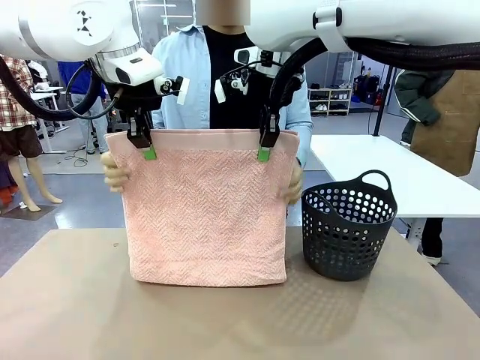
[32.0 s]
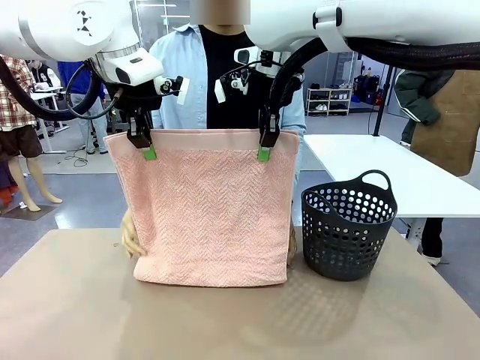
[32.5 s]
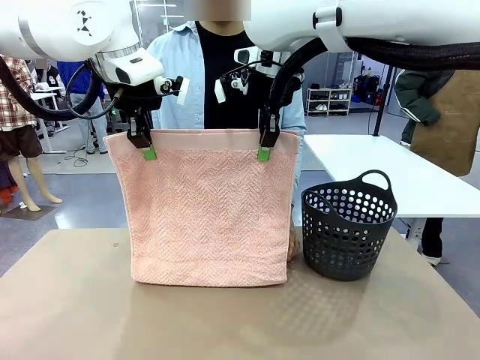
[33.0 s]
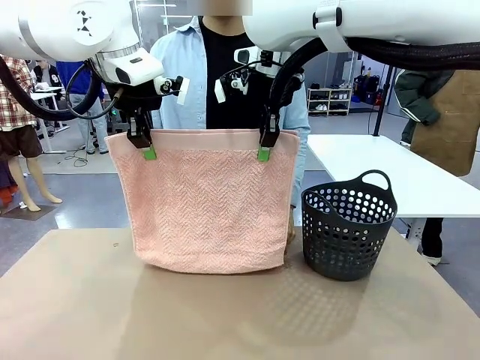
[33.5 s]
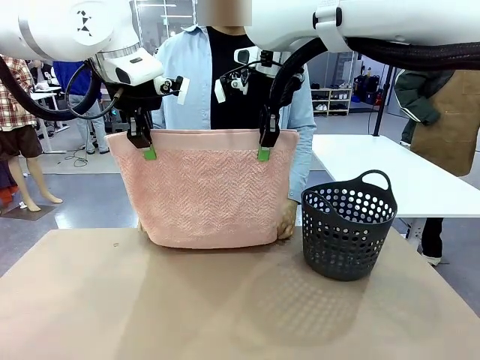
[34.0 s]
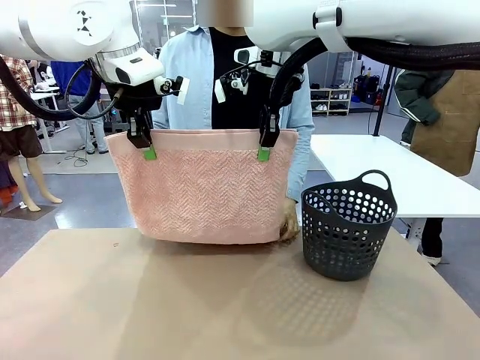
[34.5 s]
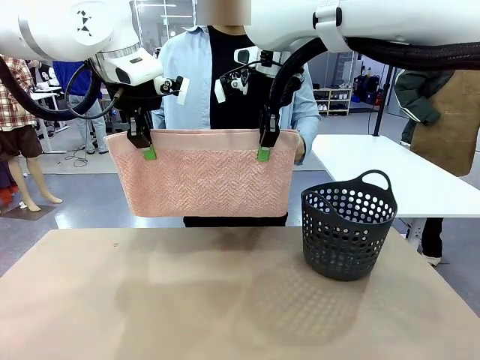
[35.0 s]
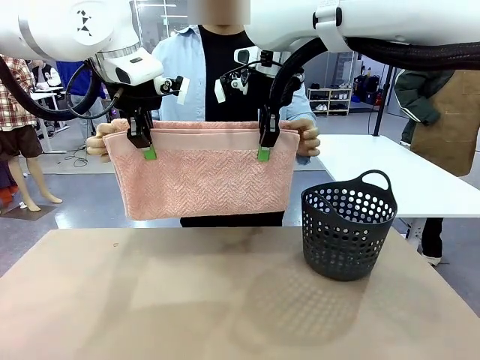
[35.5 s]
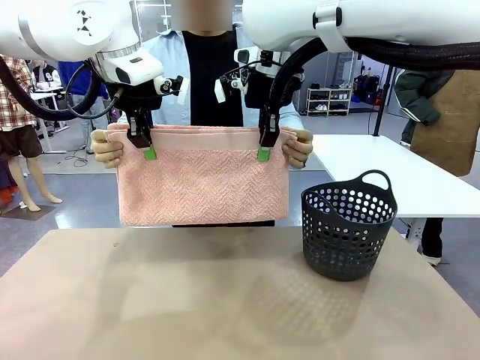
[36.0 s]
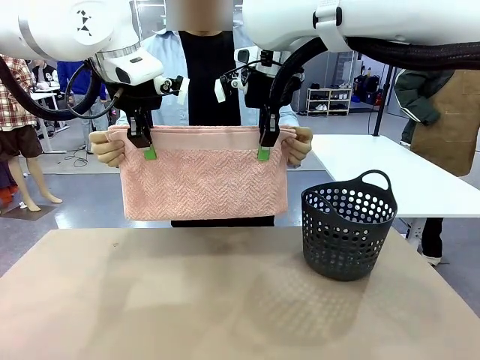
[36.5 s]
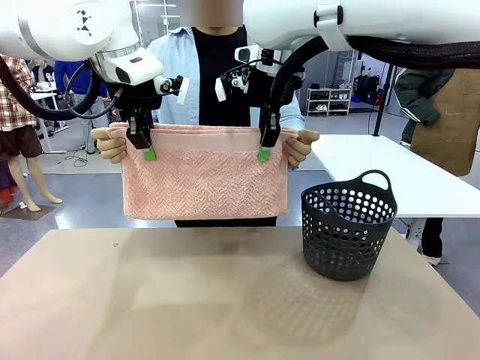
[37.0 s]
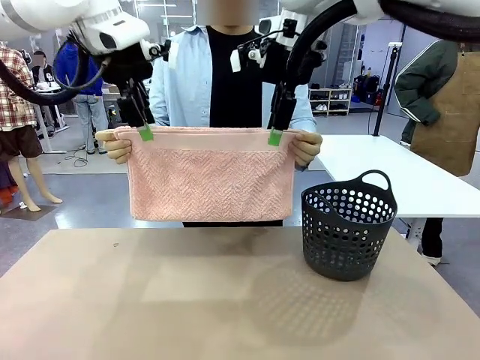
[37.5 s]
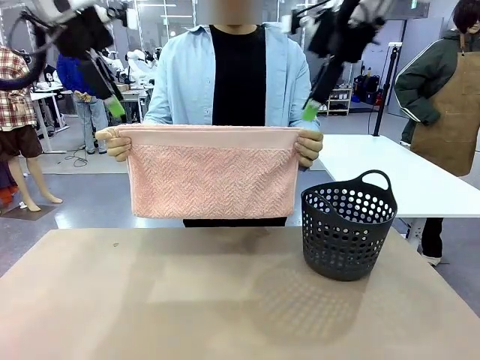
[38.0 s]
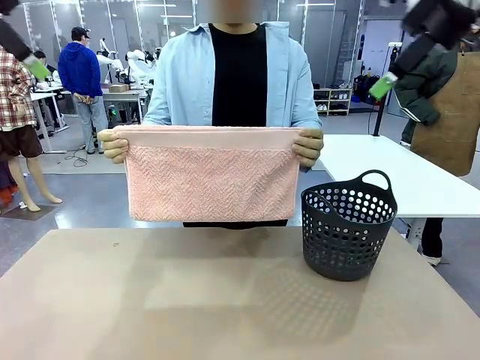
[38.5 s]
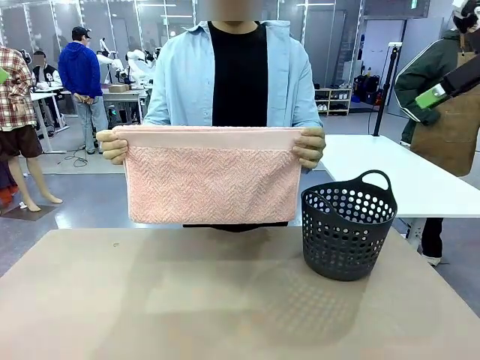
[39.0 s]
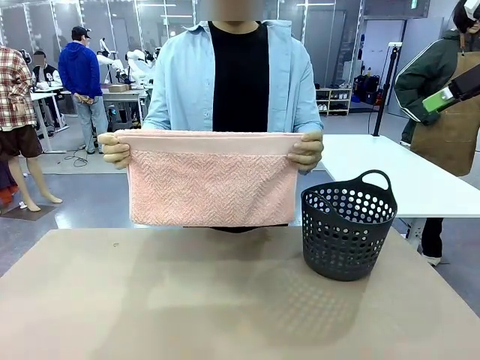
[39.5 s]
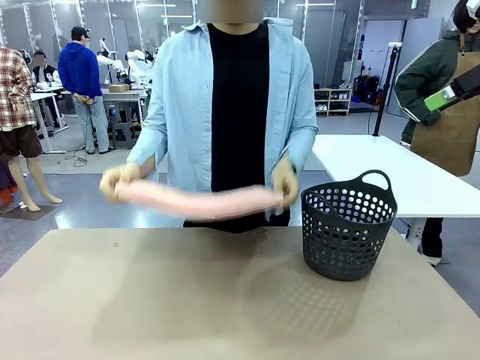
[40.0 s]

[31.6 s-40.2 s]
Task: Fold the towel.
Robot: Release the end of the 100 cm Hotel Towel you were holding.
Person: Place the towel at the center of the robot table and fold it in half.

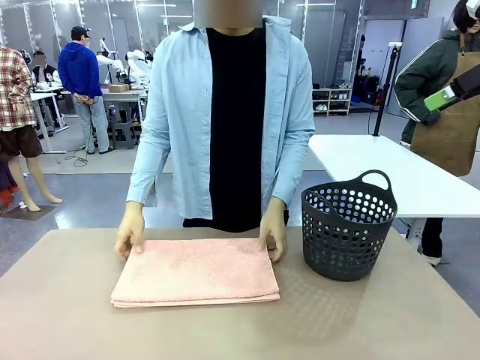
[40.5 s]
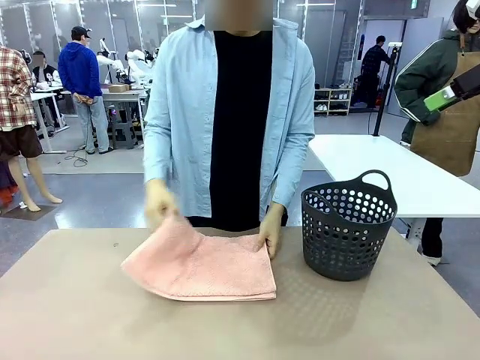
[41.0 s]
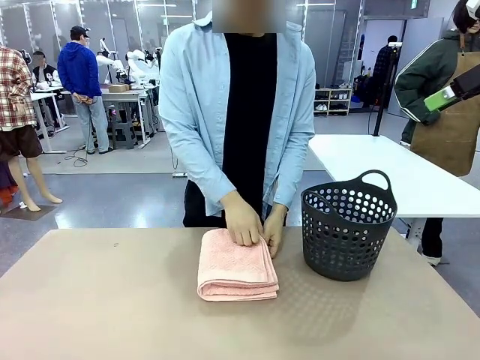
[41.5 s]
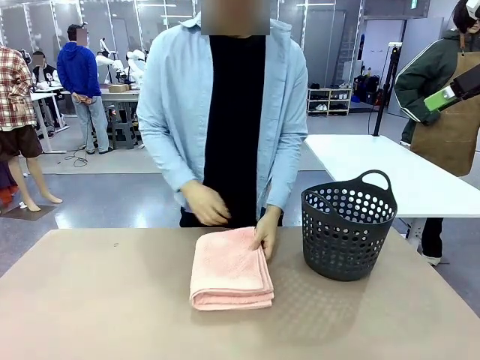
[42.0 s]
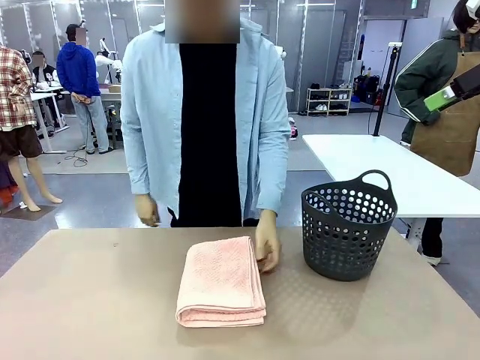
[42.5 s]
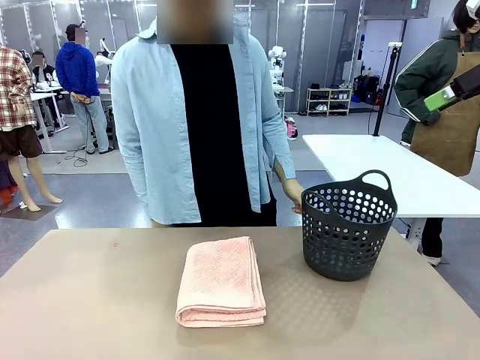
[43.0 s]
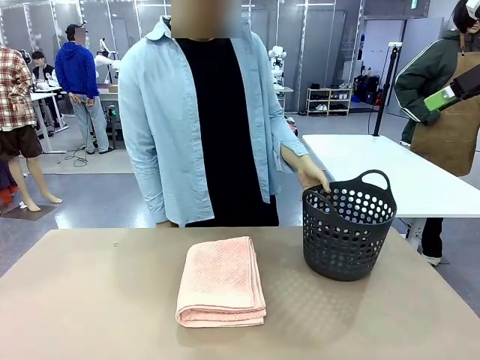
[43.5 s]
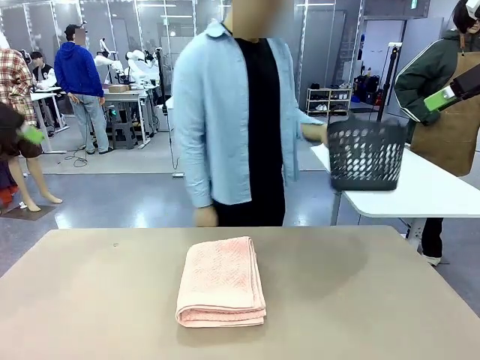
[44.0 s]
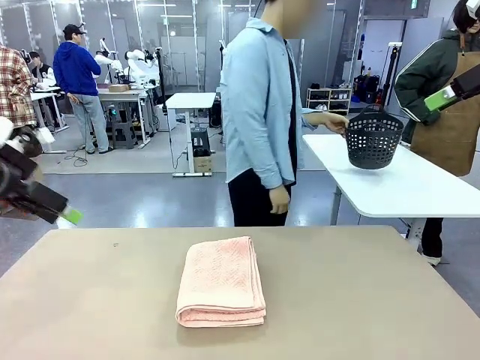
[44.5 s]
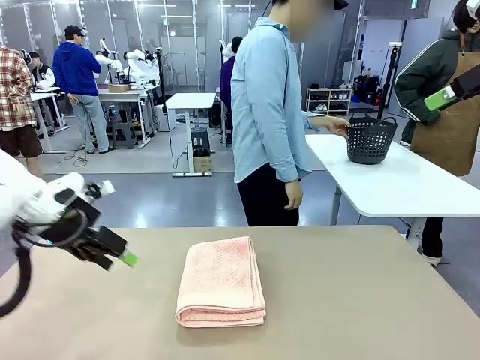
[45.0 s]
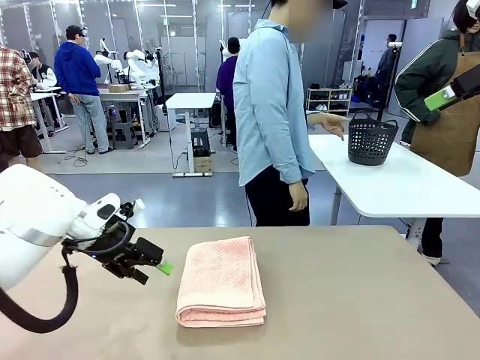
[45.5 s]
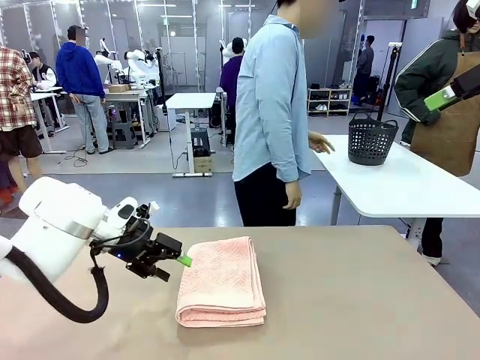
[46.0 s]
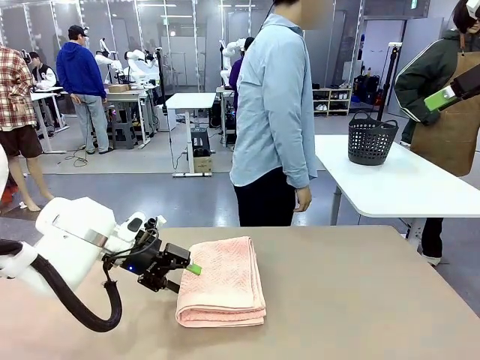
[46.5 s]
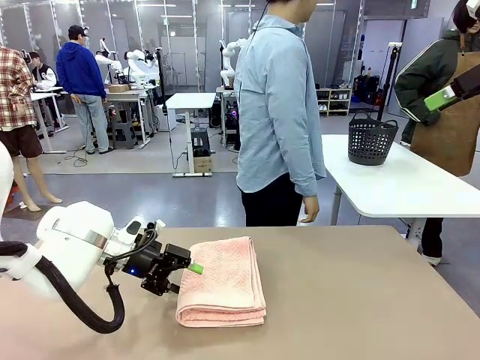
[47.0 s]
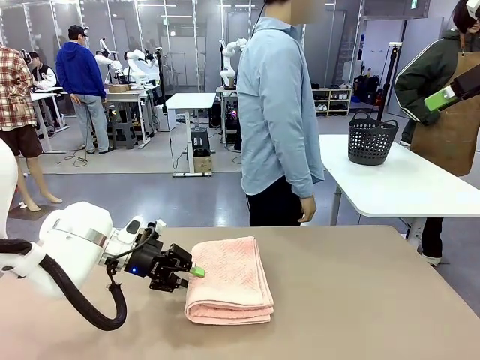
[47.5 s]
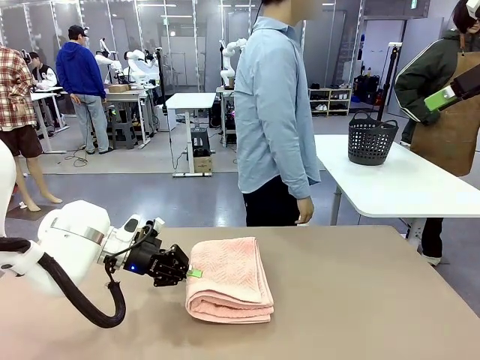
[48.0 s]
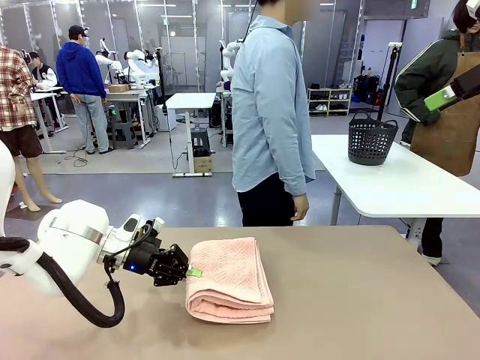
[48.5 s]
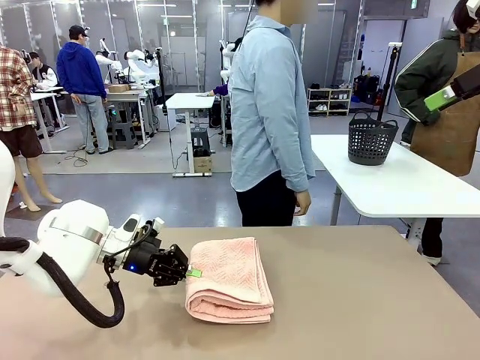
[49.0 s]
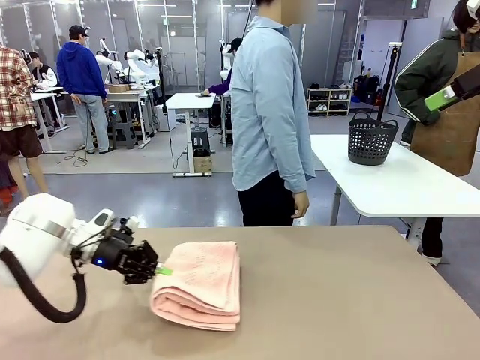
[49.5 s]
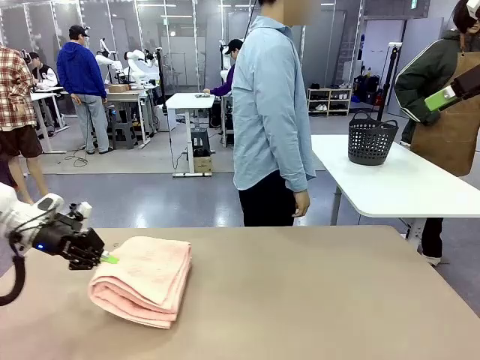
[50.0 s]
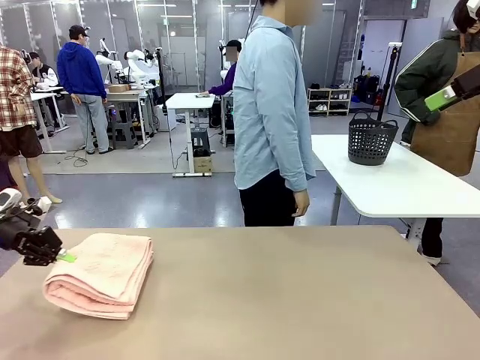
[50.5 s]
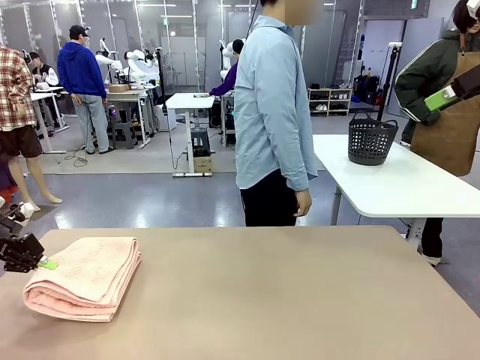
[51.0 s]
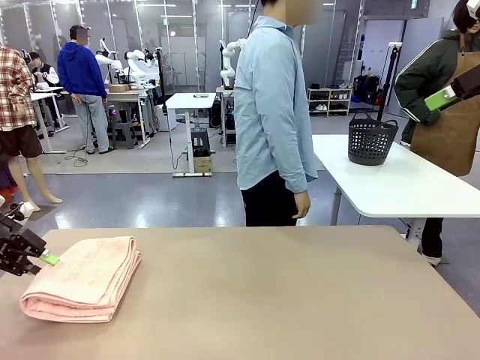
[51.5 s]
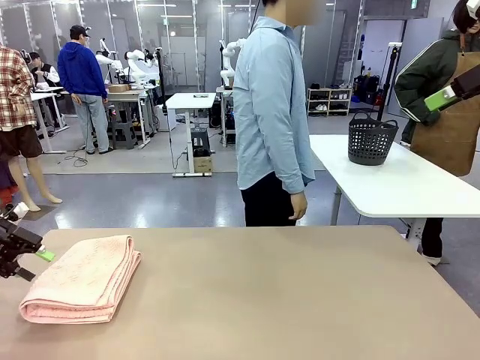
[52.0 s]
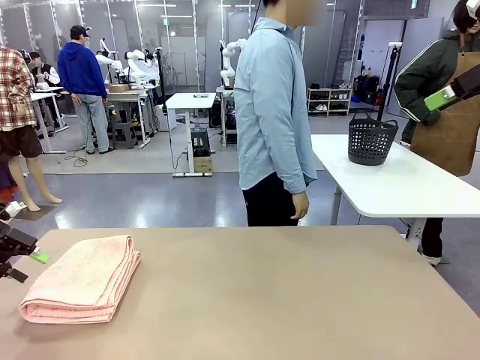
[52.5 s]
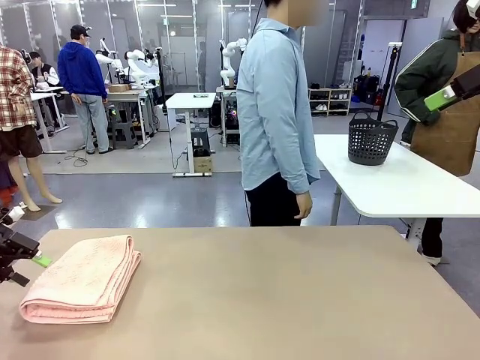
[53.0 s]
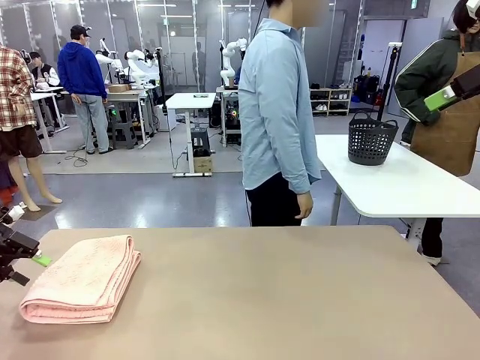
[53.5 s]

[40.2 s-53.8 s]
Robot: Pick up the 100 cm Hotel Towel and place it on the left side of the table.
Person: Pick up the laundry basket and place it at the center of the human table.

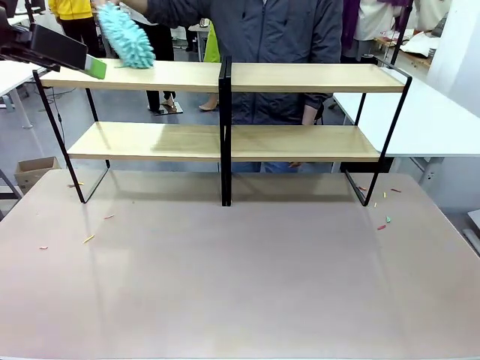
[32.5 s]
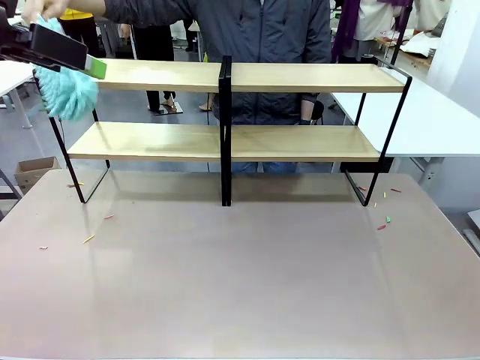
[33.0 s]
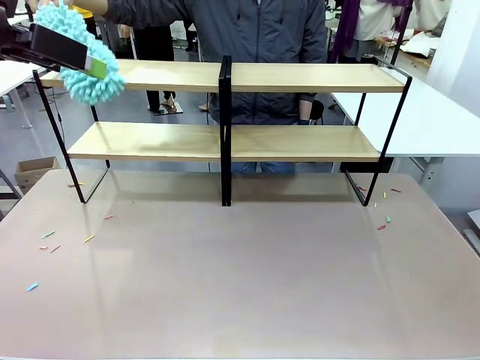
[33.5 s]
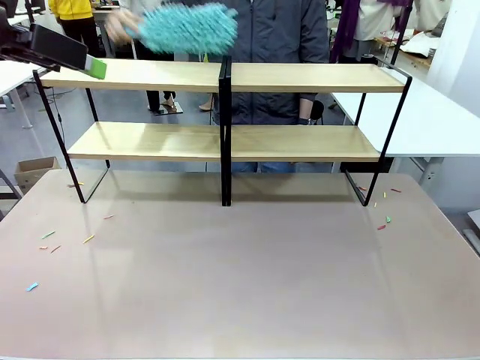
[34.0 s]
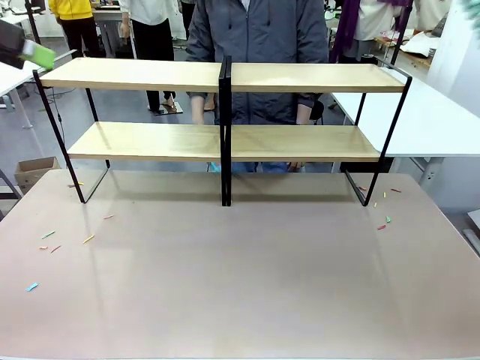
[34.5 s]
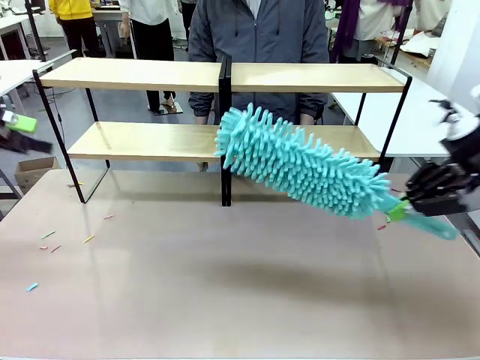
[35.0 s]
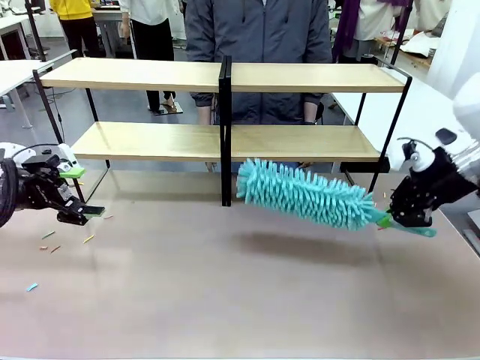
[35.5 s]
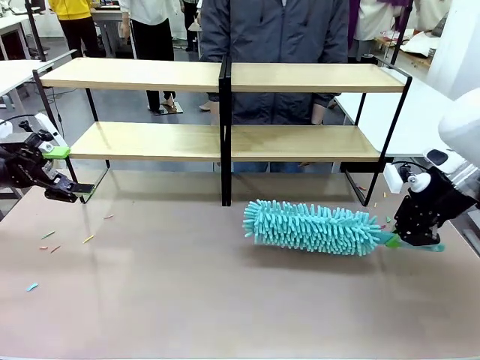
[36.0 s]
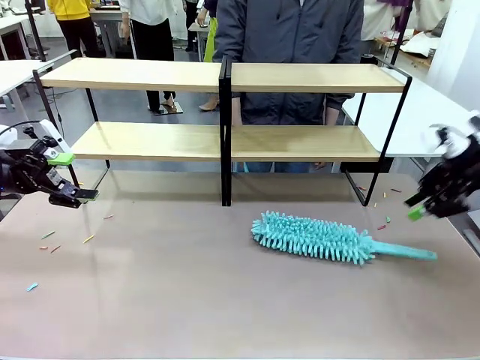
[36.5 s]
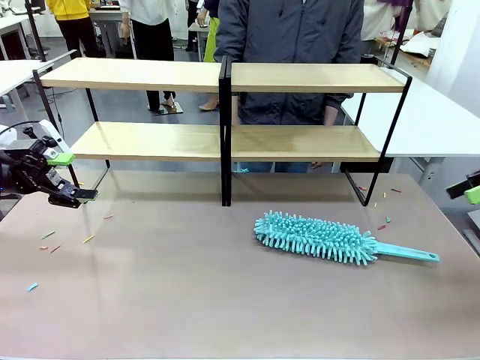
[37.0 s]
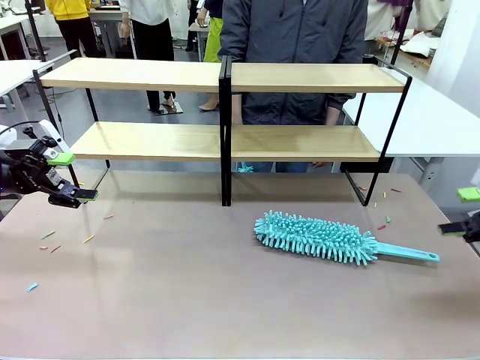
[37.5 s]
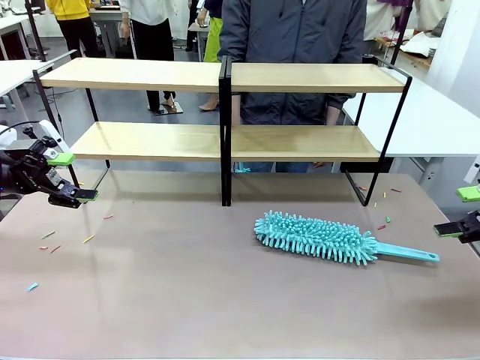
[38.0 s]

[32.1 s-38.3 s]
Task: Clean the shelves.
Robot: Place the Duster on the table.
